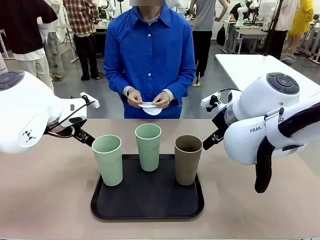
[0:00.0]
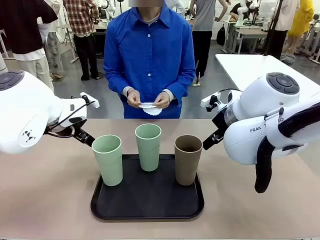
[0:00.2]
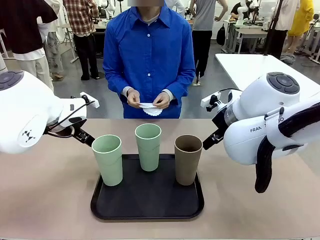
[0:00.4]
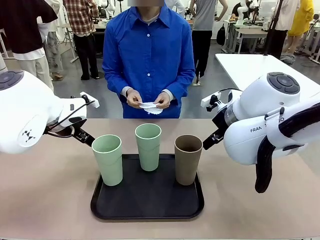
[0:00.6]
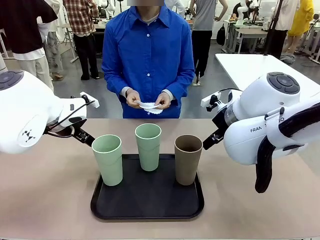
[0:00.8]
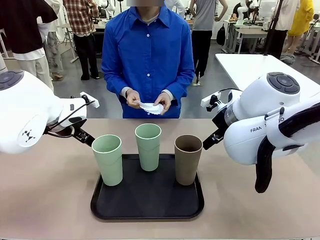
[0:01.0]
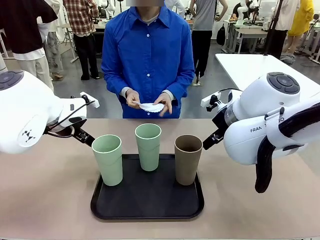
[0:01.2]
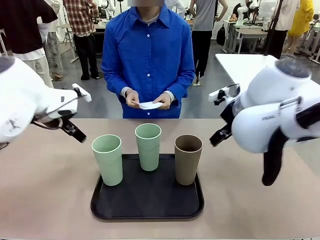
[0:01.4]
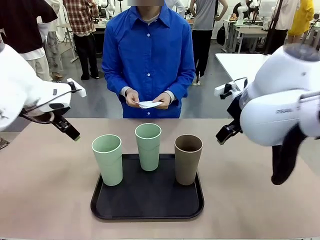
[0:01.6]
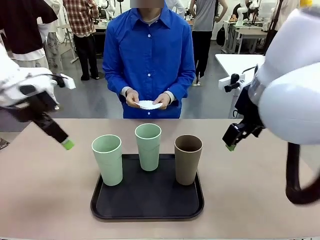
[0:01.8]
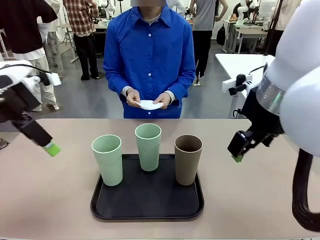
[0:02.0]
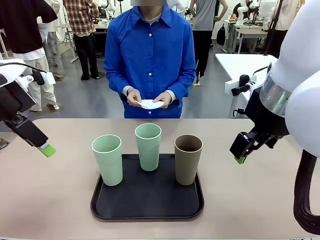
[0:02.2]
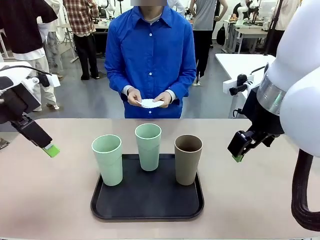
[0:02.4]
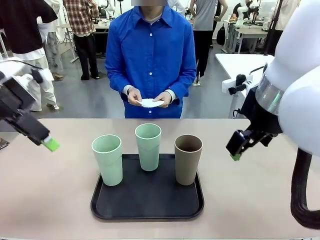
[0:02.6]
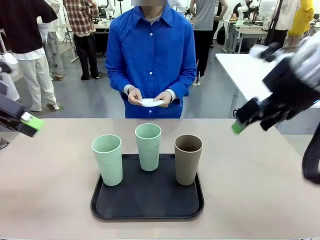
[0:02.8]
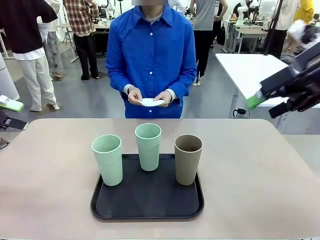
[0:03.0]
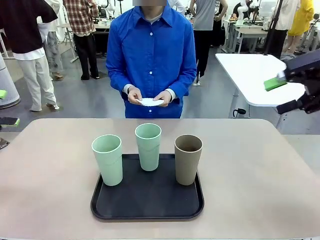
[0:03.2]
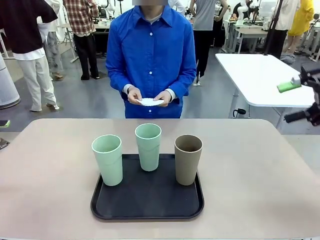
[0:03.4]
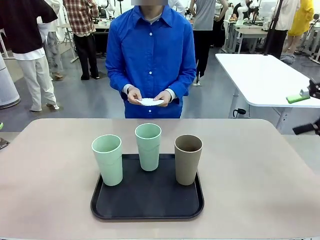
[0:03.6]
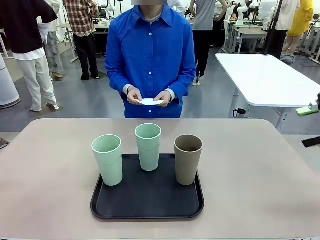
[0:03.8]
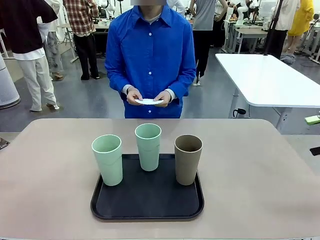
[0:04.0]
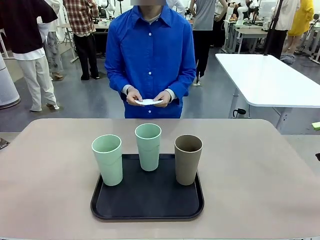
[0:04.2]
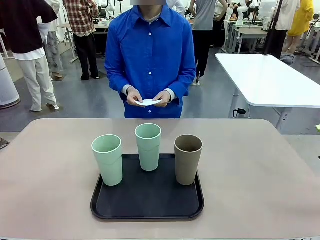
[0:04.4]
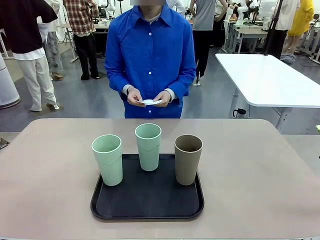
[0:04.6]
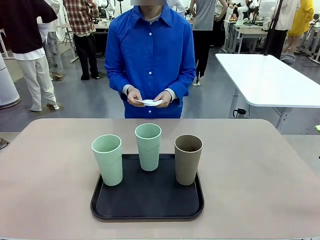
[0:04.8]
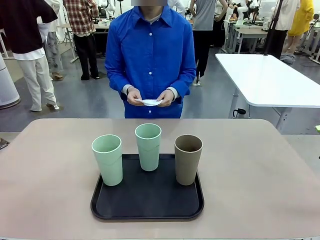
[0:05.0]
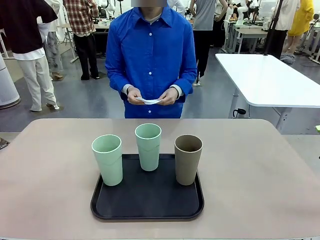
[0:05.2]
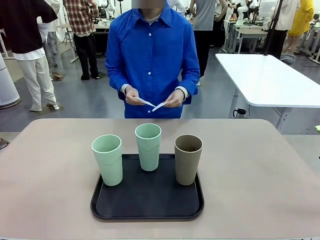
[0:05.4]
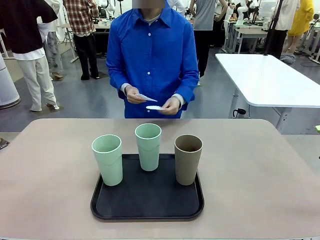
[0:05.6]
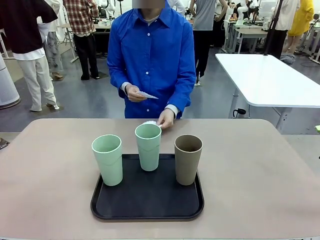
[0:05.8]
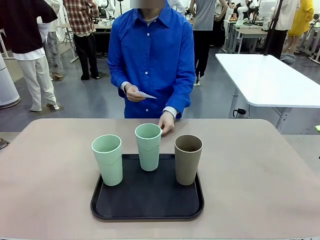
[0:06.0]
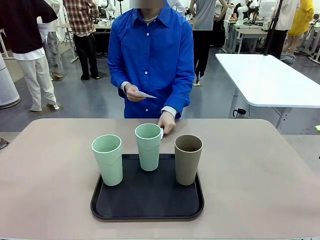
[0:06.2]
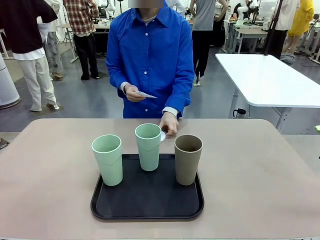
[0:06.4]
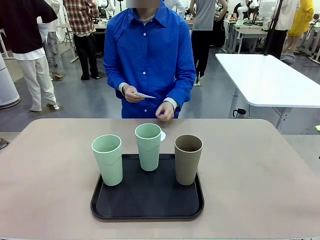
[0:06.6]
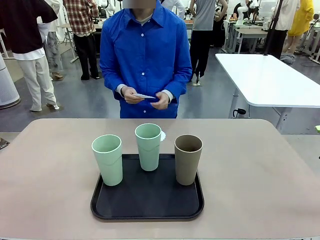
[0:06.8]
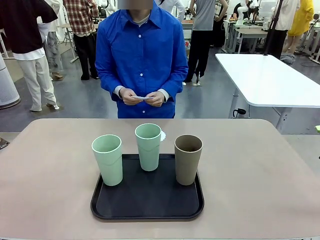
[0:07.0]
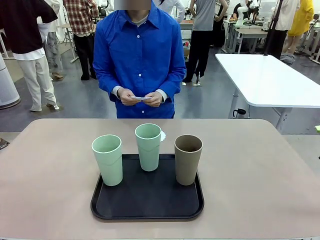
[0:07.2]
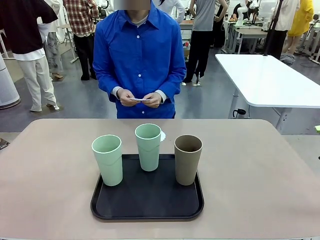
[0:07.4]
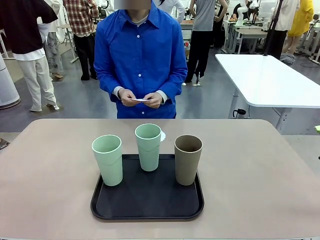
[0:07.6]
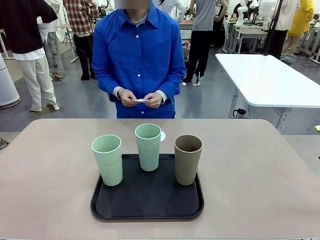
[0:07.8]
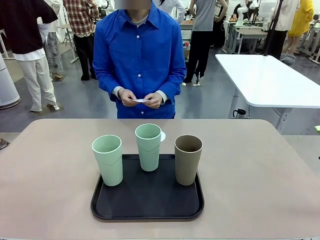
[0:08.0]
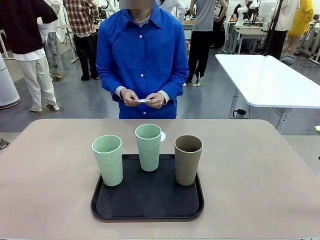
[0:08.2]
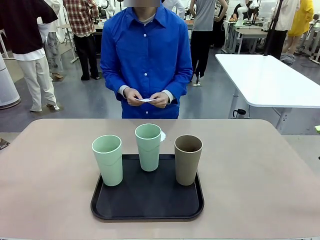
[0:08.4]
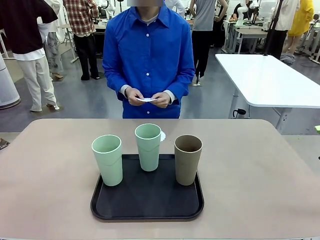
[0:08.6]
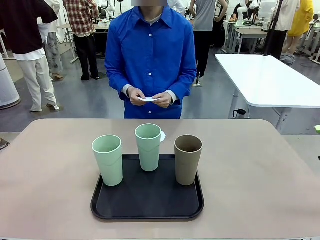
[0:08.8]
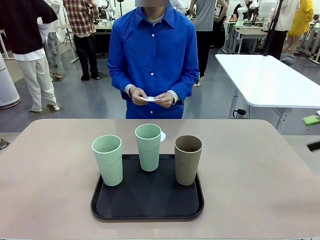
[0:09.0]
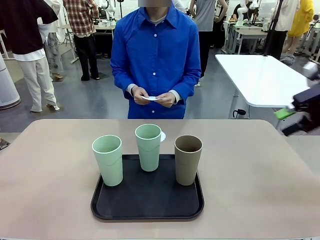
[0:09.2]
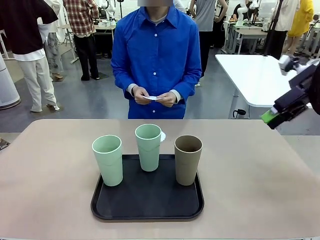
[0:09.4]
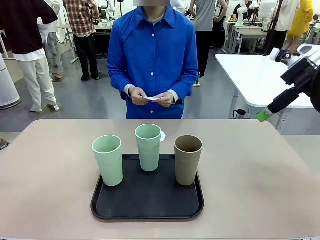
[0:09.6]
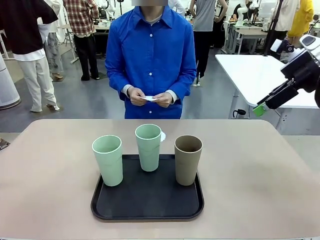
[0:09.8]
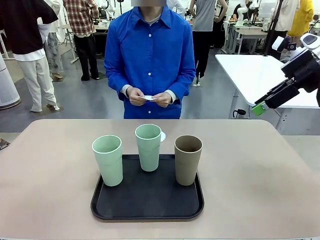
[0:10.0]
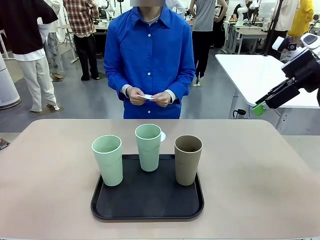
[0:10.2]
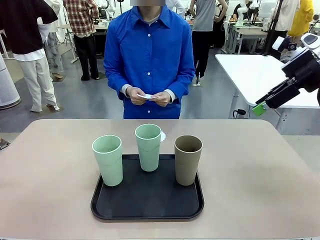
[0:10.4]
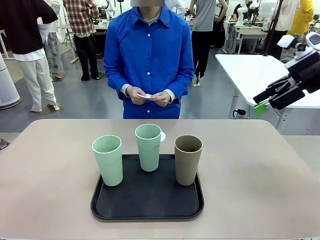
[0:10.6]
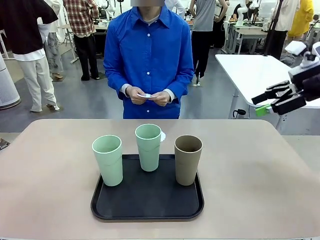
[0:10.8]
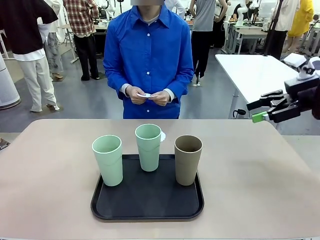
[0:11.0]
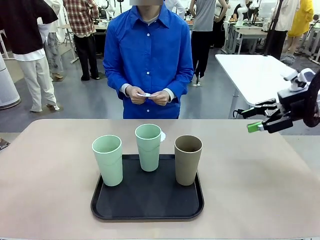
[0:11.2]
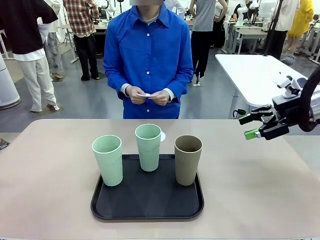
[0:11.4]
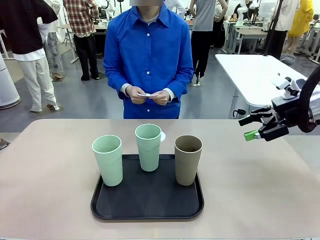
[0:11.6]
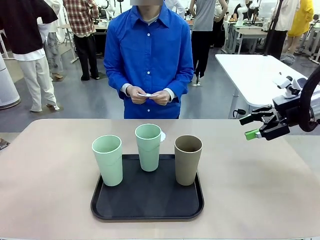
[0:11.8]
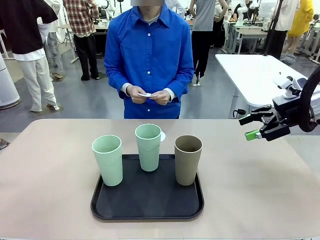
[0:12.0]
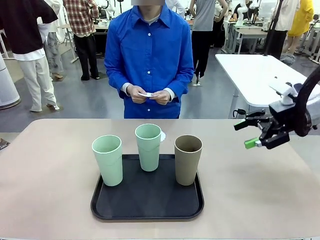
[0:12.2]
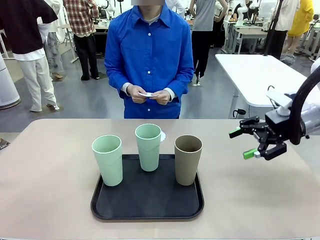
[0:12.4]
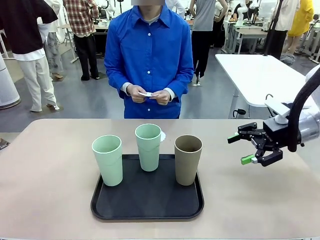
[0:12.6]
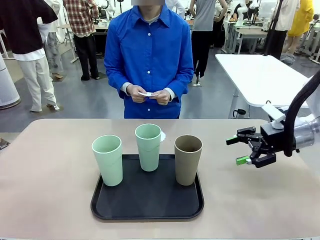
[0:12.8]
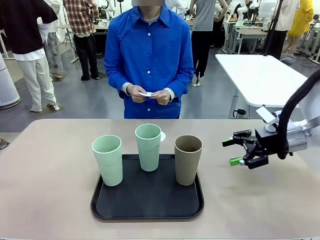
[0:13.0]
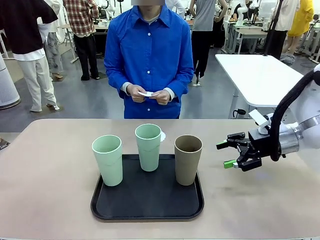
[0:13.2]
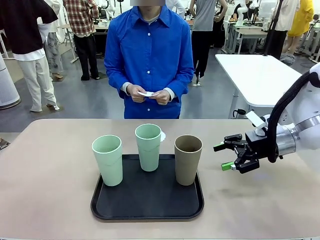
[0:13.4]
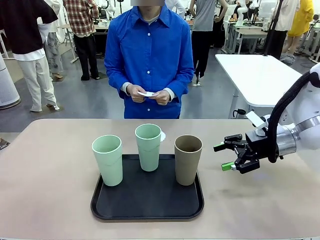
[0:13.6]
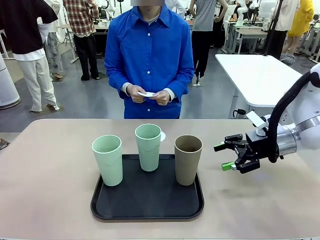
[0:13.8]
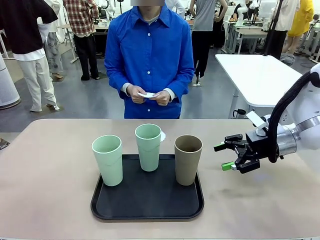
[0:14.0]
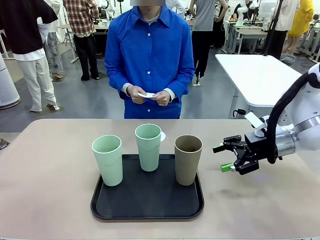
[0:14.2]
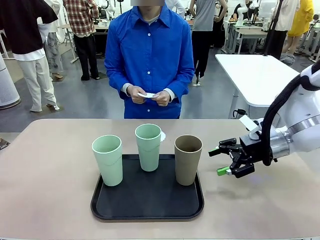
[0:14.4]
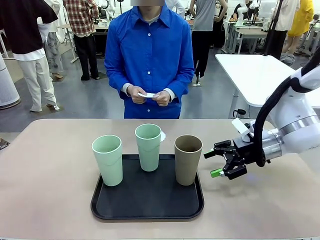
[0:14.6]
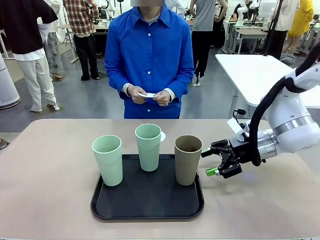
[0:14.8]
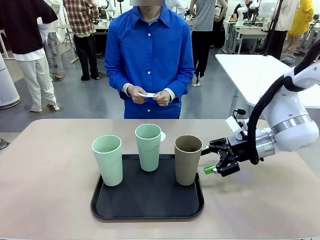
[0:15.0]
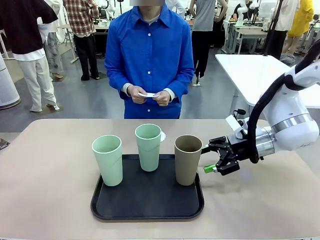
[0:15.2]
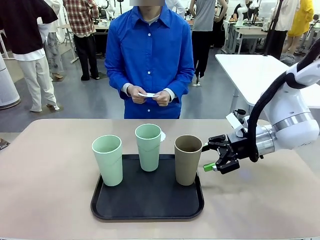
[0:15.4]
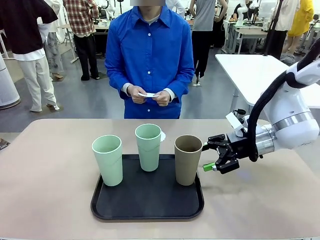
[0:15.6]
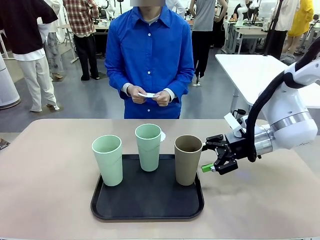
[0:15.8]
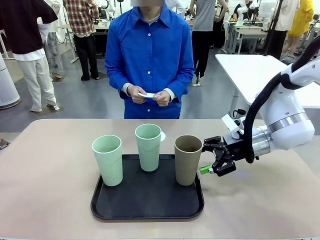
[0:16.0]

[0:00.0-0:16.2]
Task: Place coasters on the table and set cups on them.
Robot: Pick up one Reusable plastic cup and place it on a coaster set by the human.
Person: Place one coaster in any one of the three lower areas of the robot table (left, center, or right).
